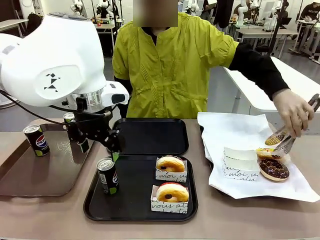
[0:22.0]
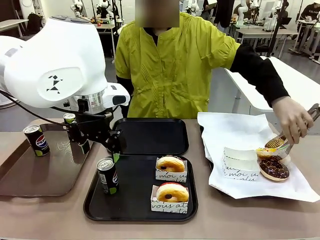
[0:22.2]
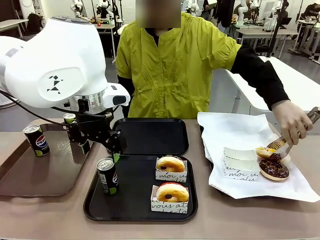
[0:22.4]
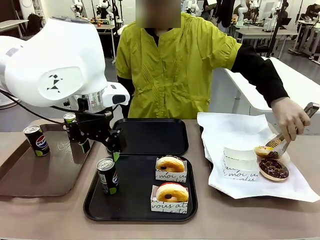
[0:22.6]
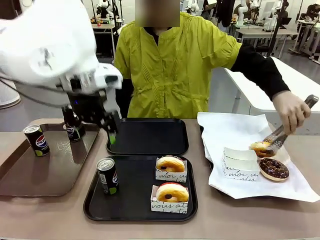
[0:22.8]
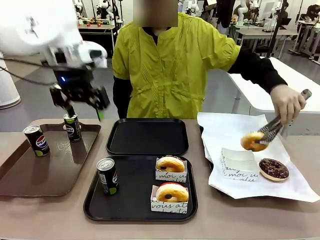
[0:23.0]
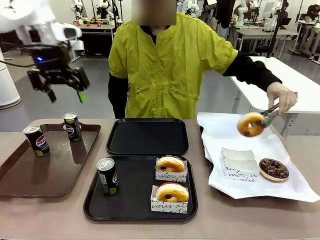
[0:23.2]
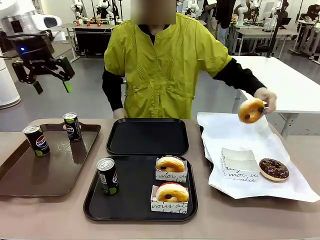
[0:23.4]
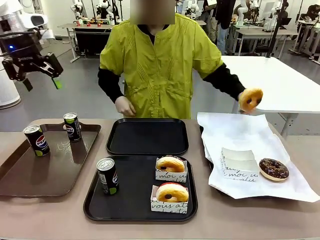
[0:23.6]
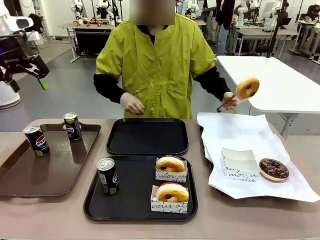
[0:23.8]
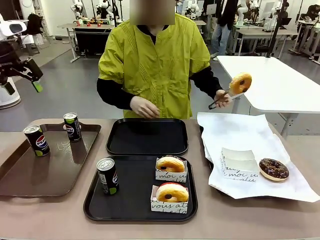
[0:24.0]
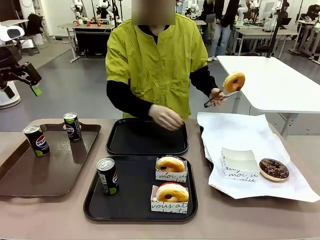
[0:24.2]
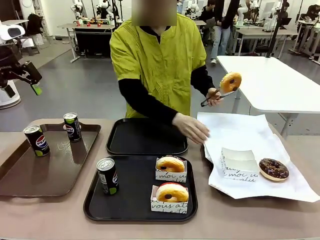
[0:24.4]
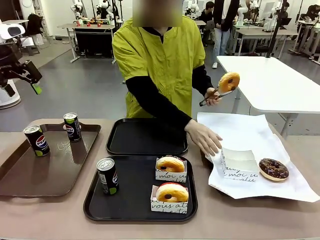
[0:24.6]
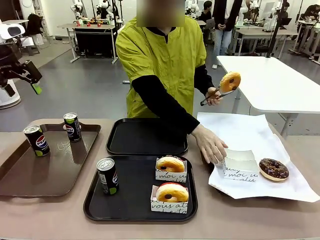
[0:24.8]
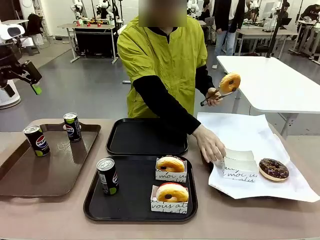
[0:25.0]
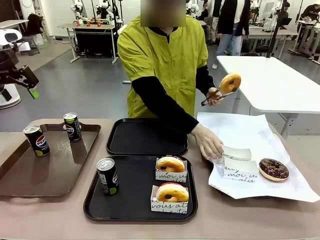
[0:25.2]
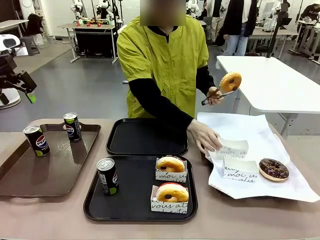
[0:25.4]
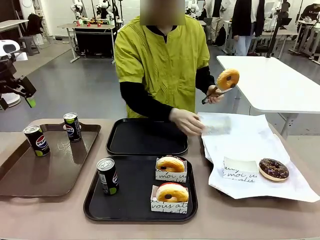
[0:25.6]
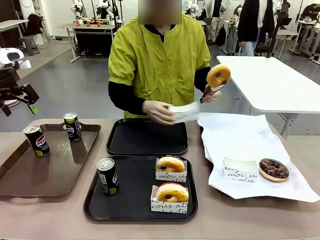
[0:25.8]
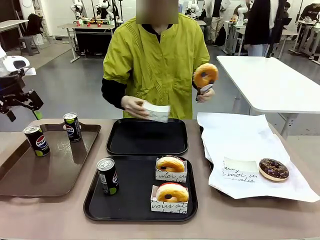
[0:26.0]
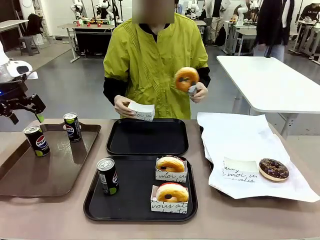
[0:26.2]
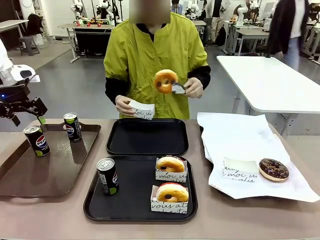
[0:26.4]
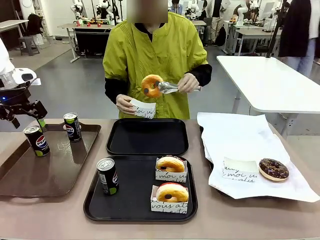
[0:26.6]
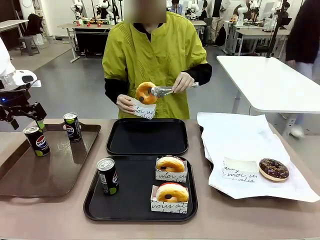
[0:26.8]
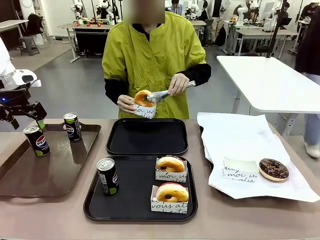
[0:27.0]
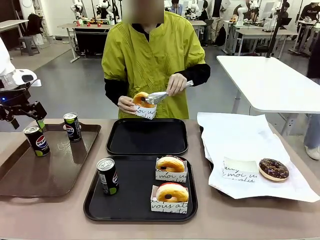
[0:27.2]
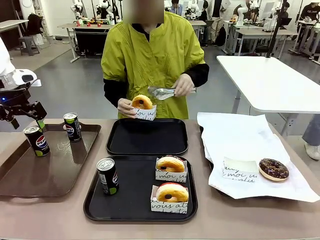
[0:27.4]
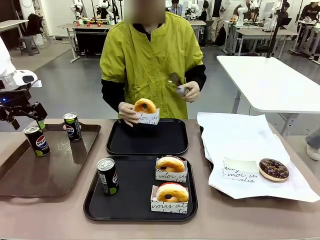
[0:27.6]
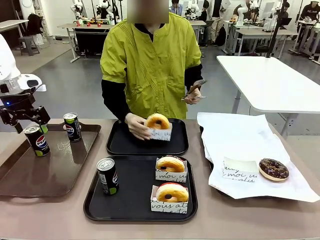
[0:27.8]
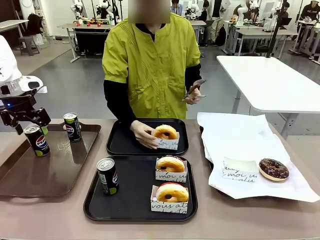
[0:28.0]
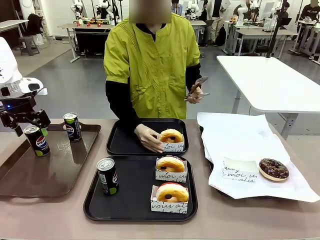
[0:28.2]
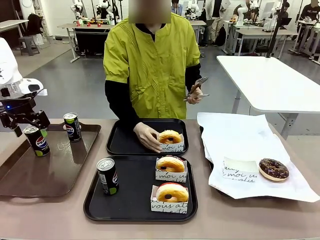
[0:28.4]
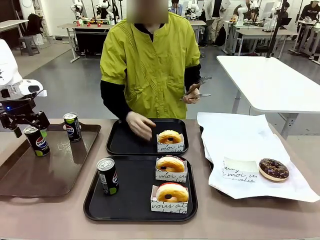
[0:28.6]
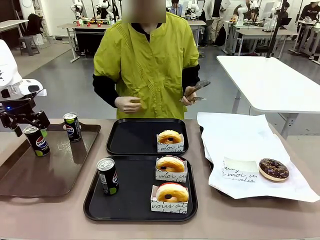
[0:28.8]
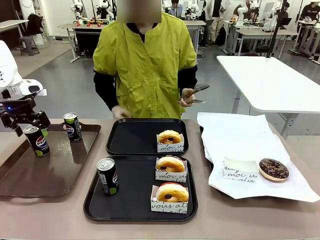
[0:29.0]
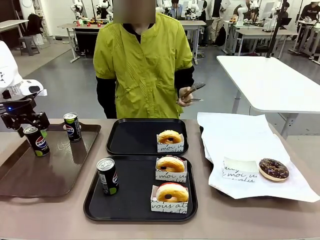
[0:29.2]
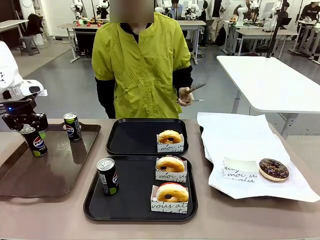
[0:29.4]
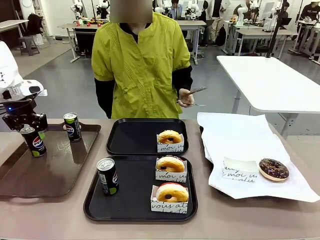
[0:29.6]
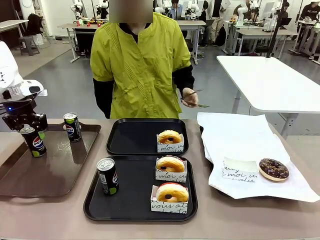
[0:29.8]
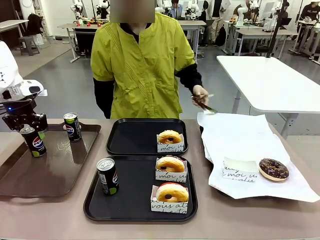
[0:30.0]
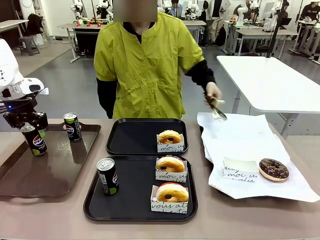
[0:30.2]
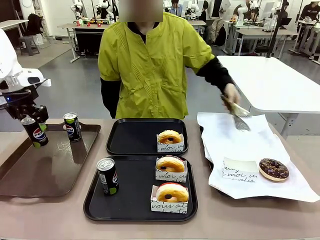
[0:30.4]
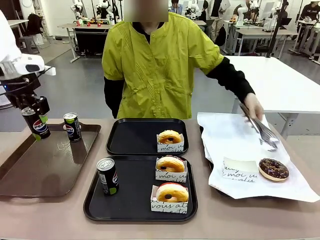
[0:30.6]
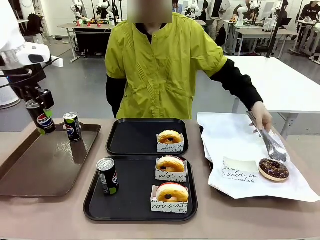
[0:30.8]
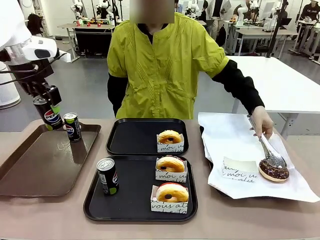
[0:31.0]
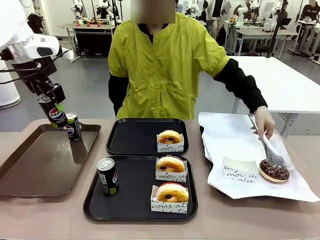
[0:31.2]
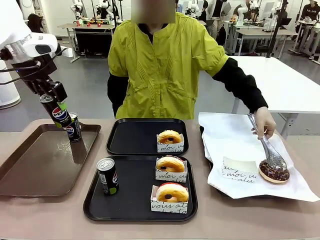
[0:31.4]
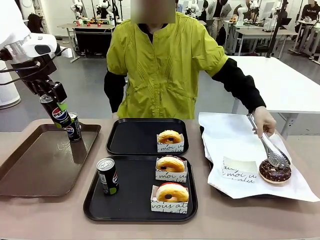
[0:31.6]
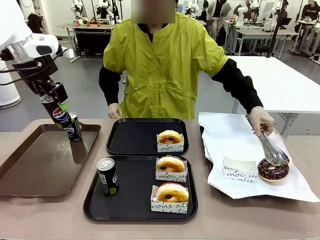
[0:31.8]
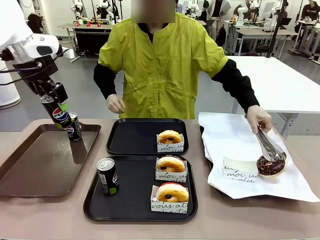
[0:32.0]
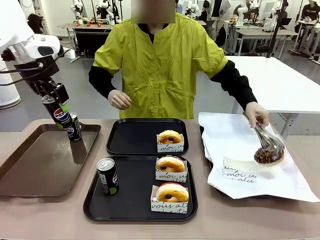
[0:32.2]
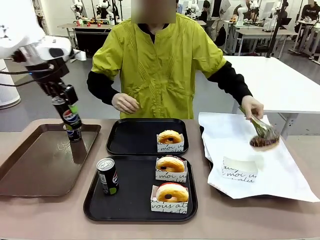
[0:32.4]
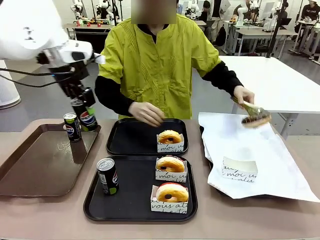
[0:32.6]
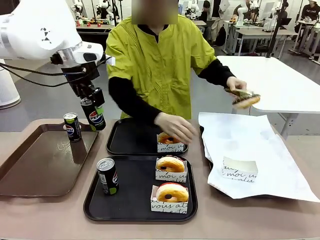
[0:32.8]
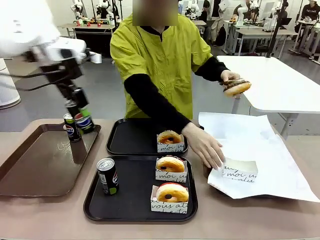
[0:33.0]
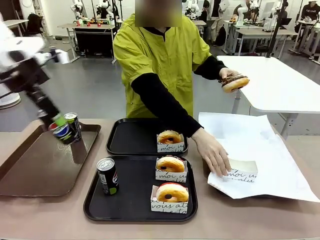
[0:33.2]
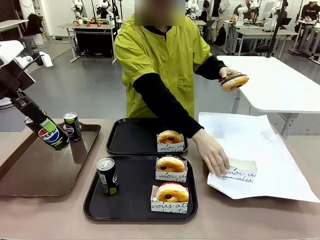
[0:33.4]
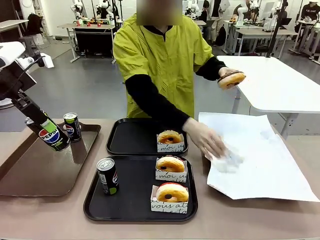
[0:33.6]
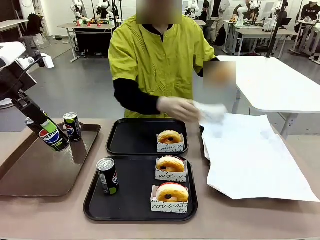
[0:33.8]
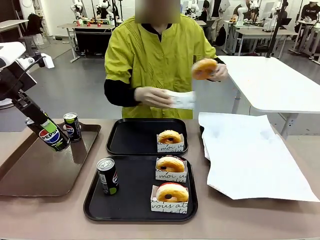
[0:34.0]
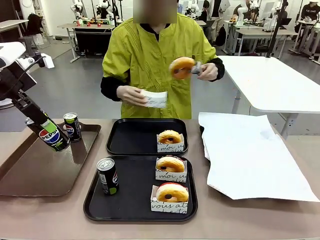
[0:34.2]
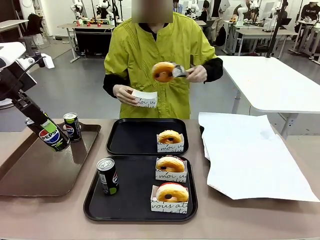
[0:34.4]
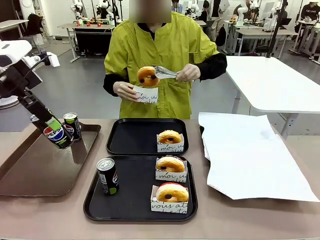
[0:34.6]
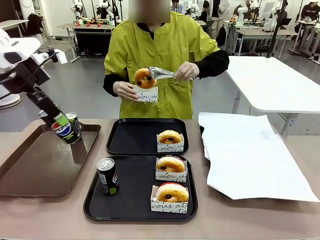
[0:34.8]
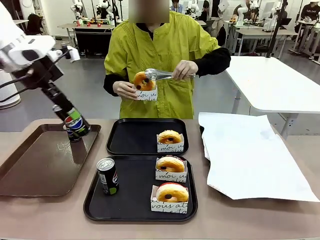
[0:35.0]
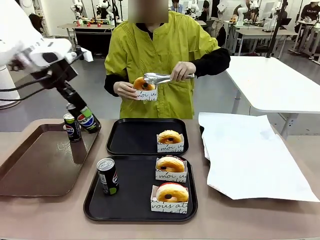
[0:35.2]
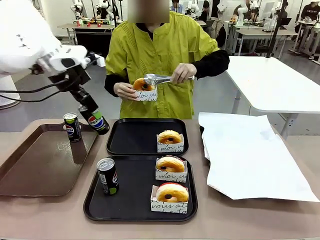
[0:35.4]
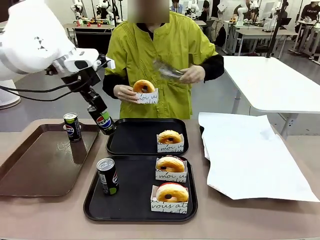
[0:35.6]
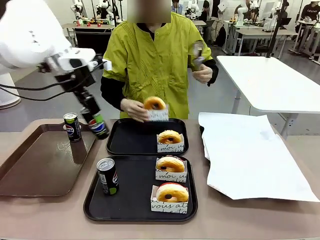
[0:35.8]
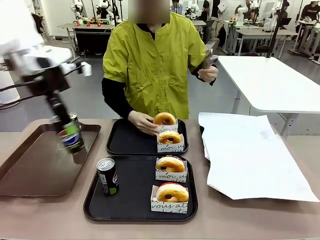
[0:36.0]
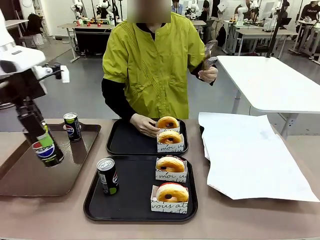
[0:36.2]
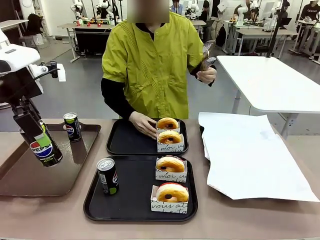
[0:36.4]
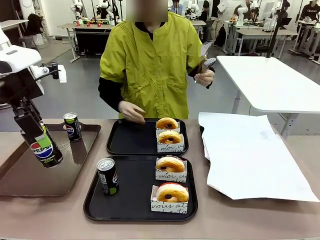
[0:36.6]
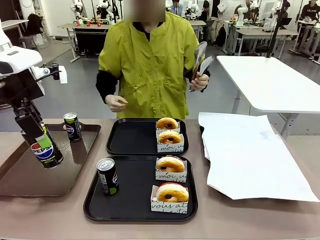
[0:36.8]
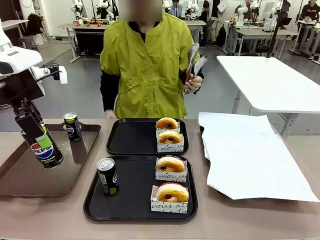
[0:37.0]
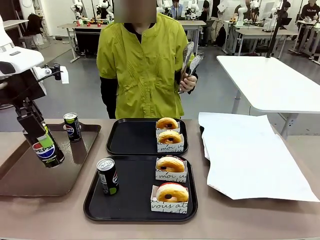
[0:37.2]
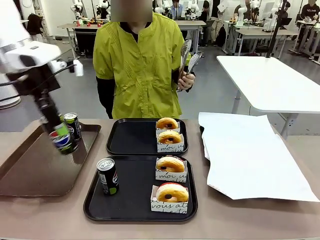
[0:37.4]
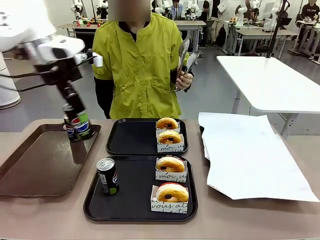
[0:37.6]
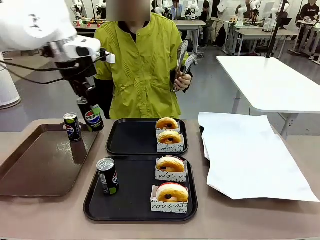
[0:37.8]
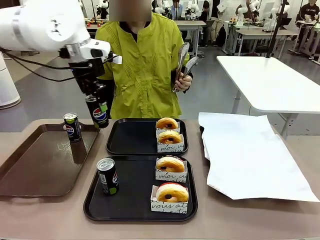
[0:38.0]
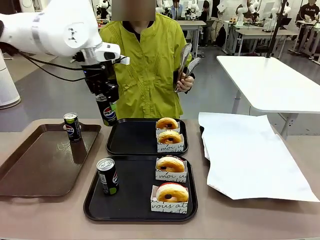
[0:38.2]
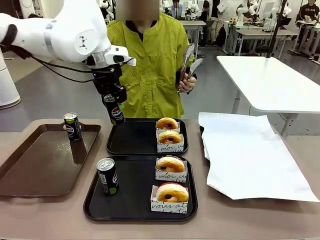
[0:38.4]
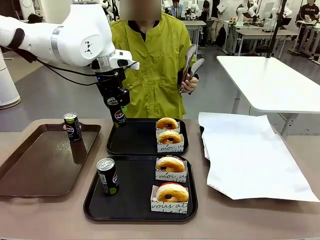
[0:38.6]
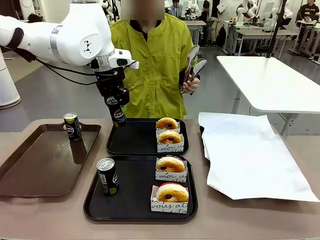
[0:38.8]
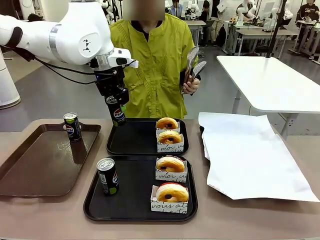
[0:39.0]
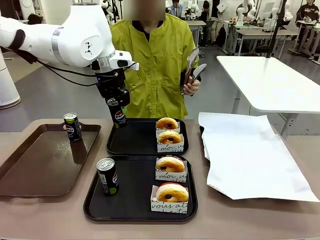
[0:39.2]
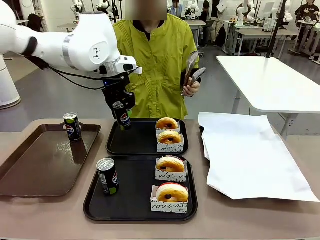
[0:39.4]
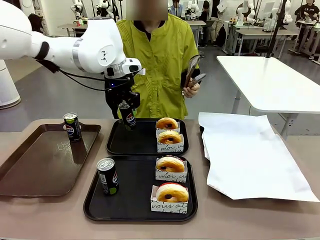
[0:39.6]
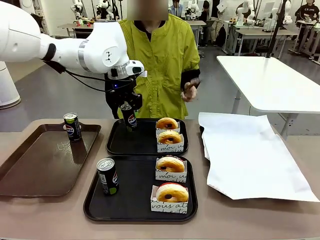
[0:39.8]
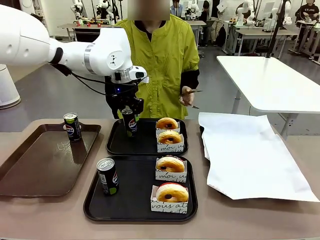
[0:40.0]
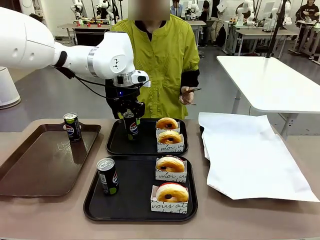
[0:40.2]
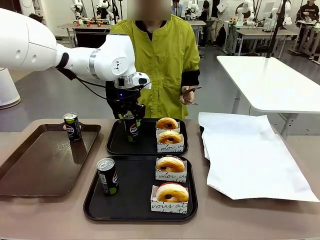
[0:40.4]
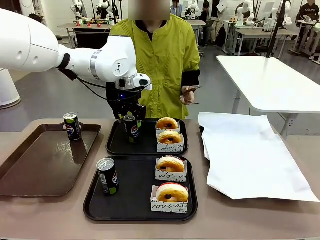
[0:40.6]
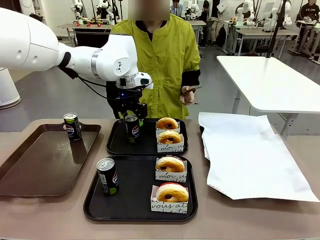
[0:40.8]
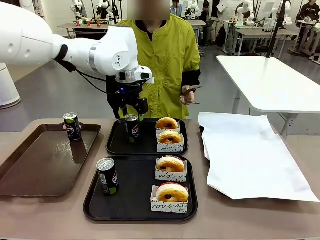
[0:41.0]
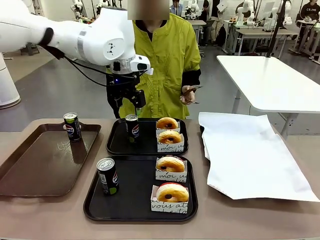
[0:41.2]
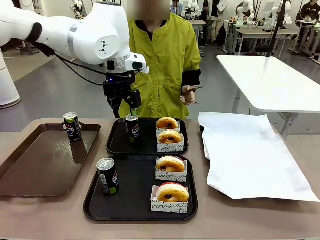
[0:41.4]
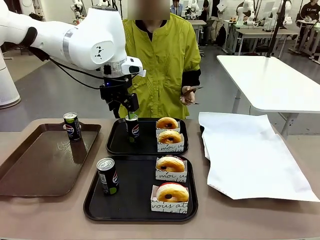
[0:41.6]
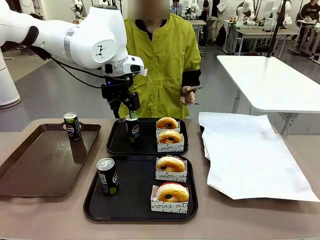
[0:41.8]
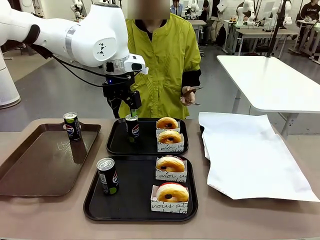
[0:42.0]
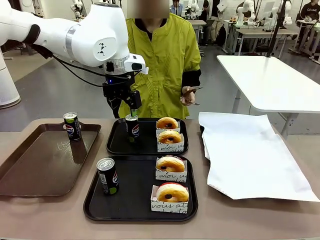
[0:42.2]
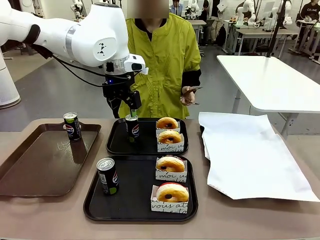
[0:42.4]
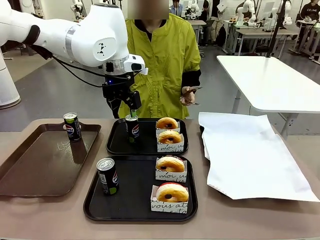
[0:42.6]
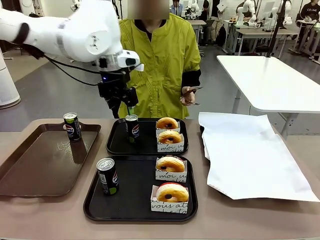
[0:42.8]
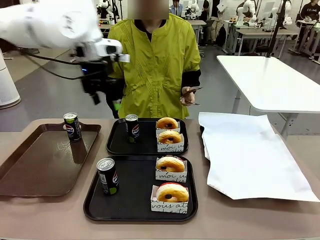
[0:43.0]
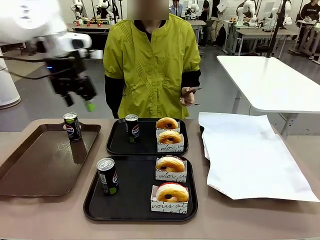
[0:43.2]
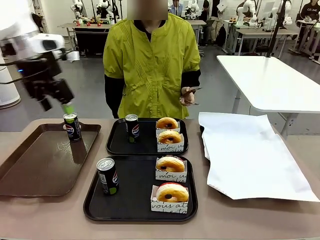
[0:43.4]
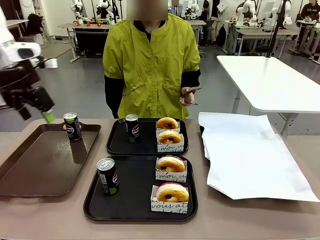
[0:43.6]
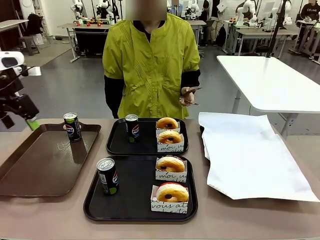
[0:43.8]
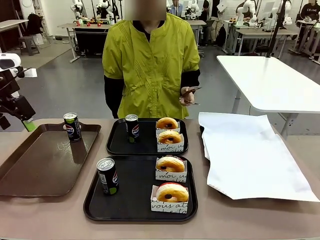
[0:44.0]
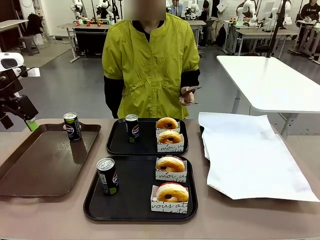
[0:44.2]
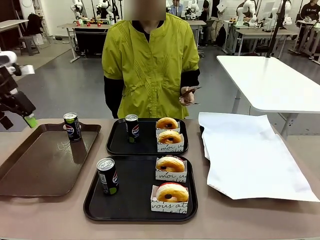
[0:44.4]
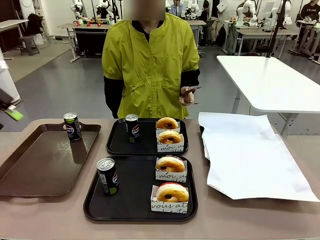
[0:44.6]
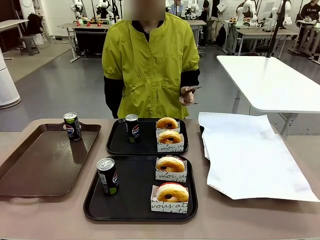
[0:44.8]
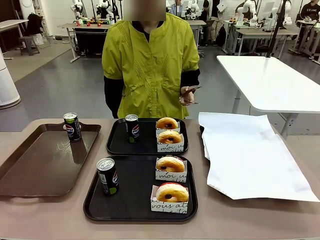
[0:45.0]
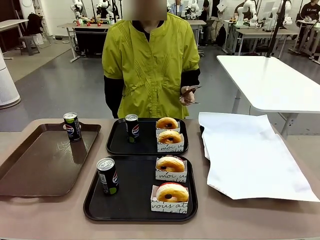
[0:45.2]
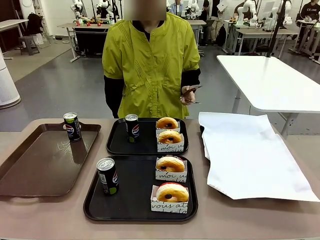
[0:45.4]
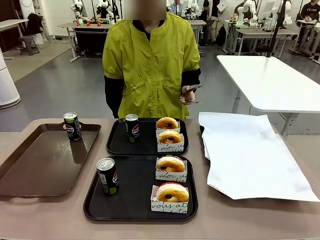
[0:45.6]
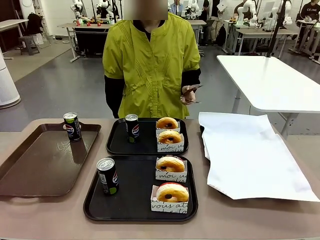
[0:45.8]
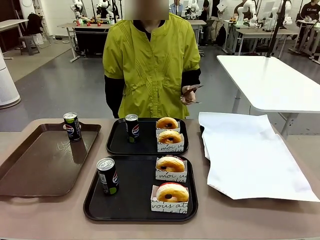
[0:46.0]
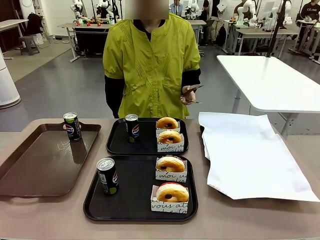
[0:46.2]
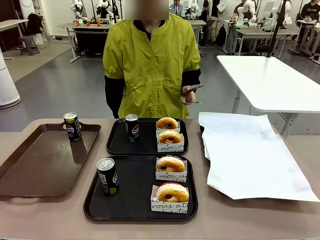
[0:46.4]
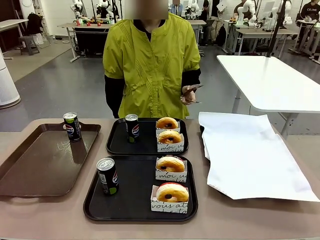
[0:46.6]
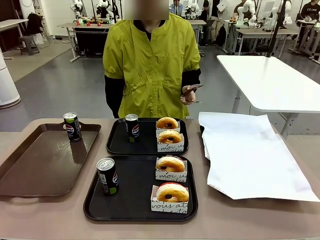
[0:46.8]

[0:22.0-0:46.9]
Task: Set up donuts and drinks on trays.
Robot: Pick up one Pepsi coke from the Handle tray and place it on the Flat Tray without a Pepsi coke.
Person: Pick up one donut with tongs, place it in the donut tray, and then place the donut tray on the flat tray.
